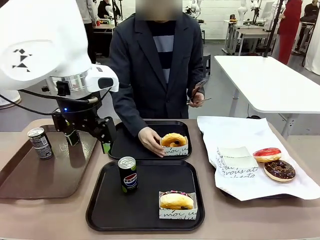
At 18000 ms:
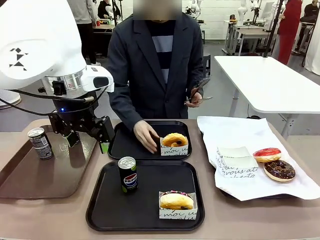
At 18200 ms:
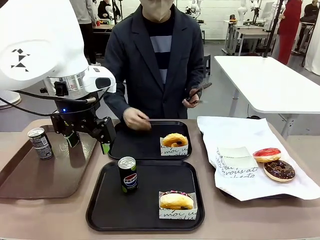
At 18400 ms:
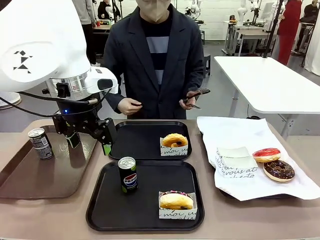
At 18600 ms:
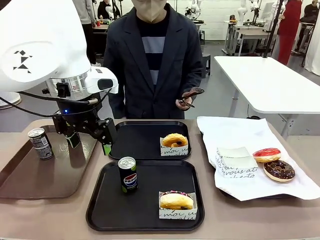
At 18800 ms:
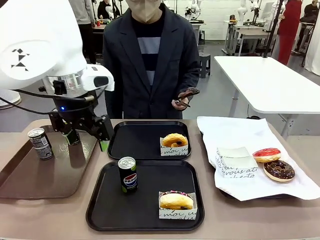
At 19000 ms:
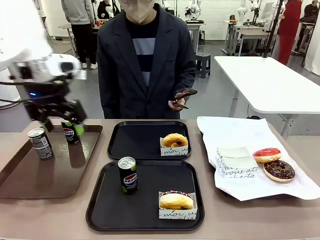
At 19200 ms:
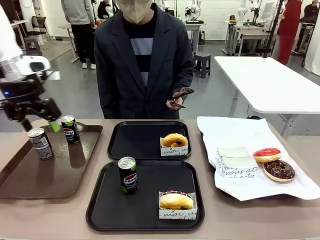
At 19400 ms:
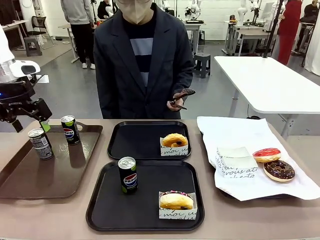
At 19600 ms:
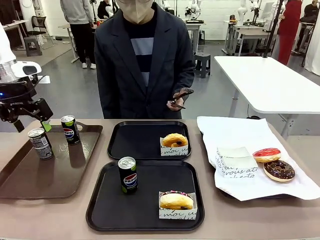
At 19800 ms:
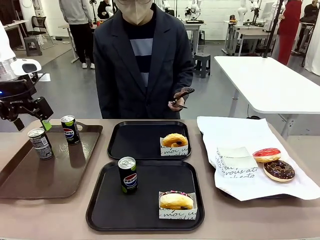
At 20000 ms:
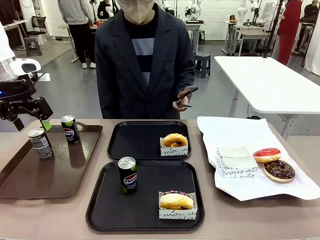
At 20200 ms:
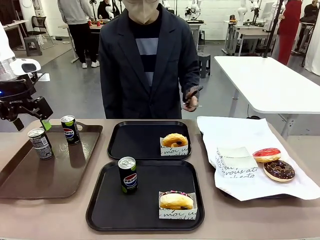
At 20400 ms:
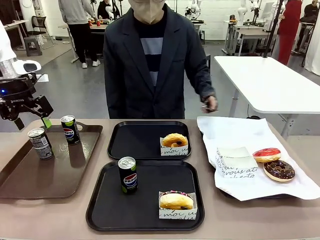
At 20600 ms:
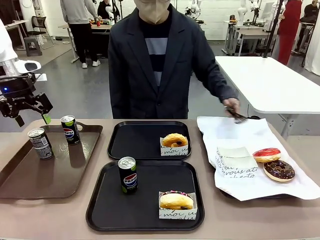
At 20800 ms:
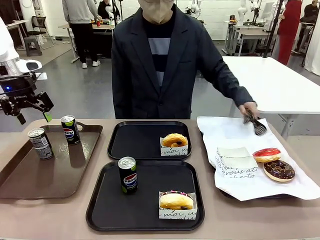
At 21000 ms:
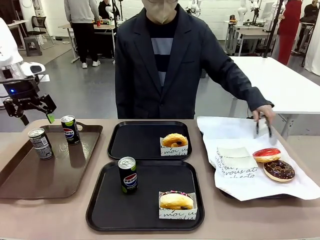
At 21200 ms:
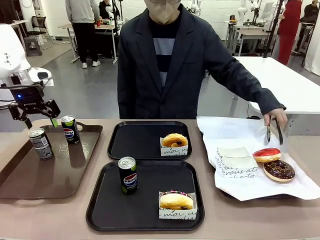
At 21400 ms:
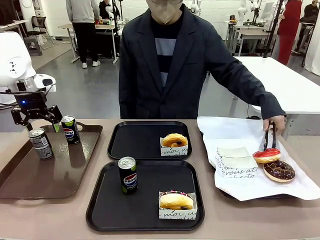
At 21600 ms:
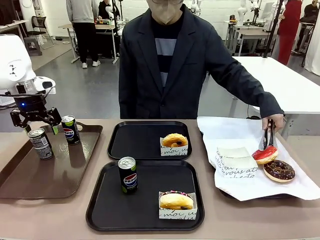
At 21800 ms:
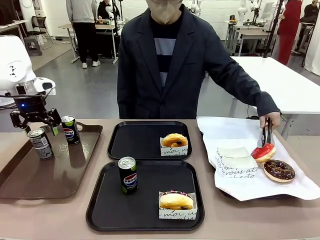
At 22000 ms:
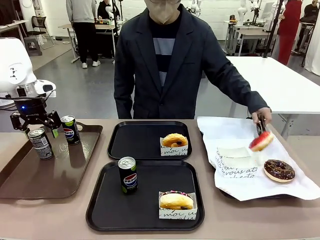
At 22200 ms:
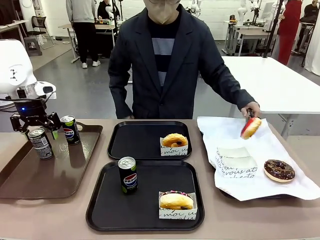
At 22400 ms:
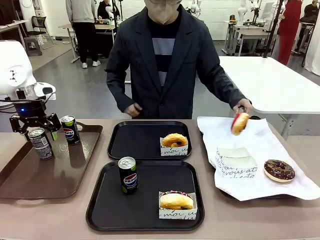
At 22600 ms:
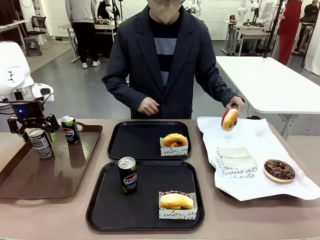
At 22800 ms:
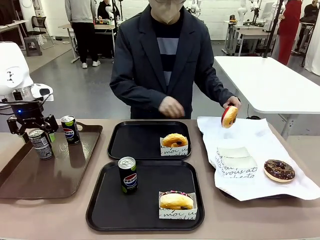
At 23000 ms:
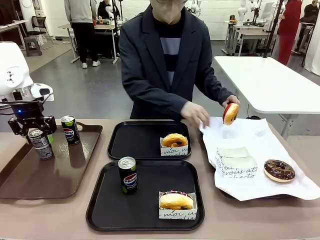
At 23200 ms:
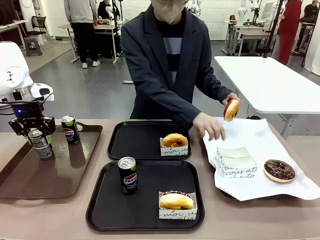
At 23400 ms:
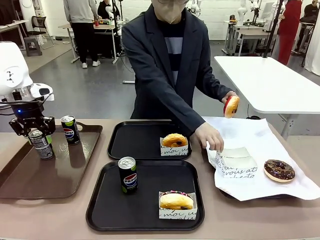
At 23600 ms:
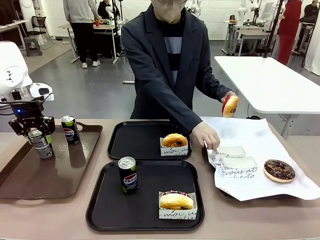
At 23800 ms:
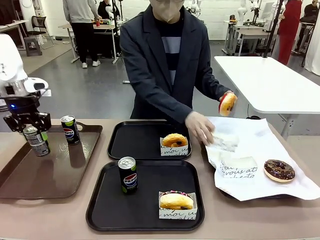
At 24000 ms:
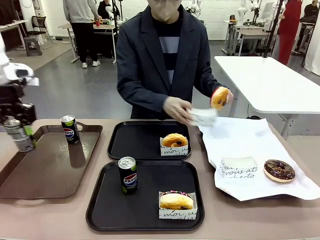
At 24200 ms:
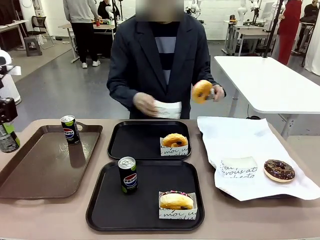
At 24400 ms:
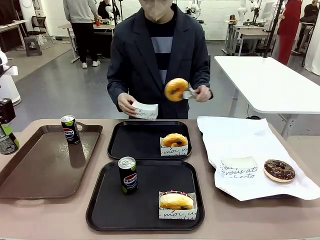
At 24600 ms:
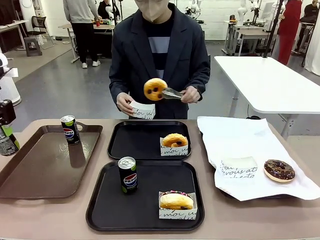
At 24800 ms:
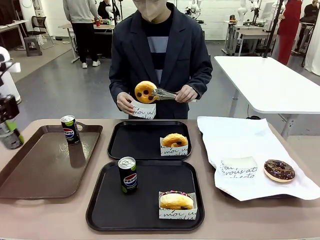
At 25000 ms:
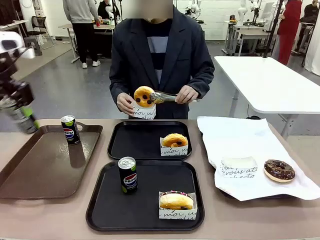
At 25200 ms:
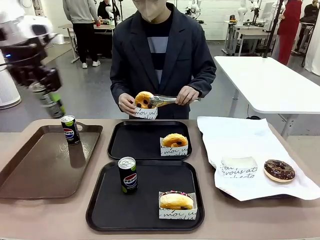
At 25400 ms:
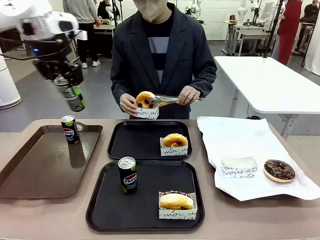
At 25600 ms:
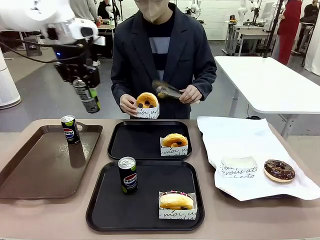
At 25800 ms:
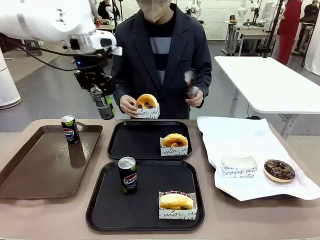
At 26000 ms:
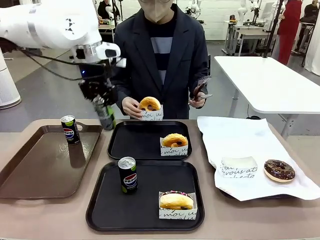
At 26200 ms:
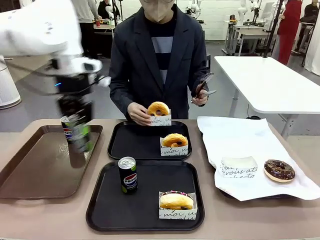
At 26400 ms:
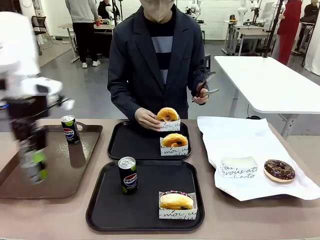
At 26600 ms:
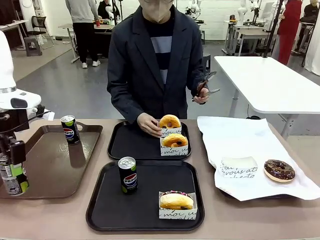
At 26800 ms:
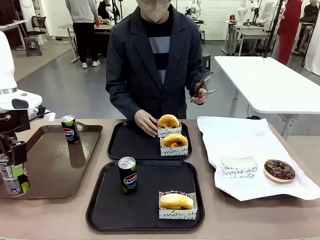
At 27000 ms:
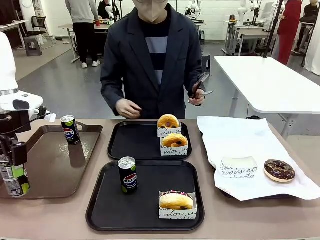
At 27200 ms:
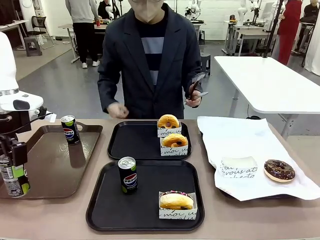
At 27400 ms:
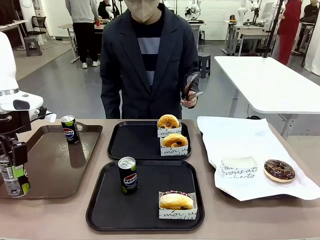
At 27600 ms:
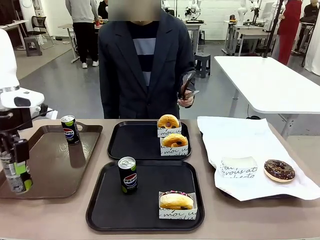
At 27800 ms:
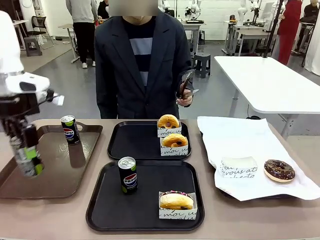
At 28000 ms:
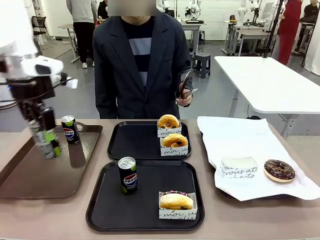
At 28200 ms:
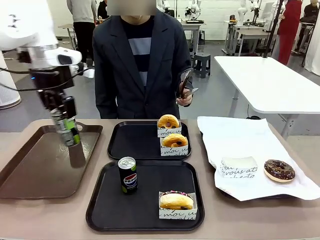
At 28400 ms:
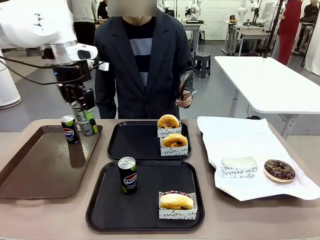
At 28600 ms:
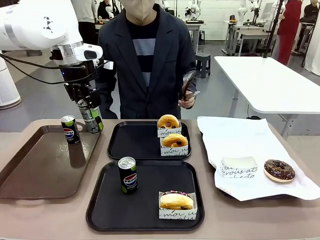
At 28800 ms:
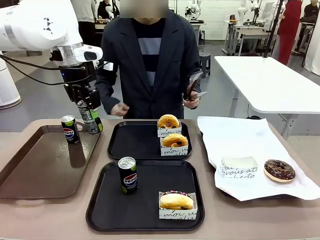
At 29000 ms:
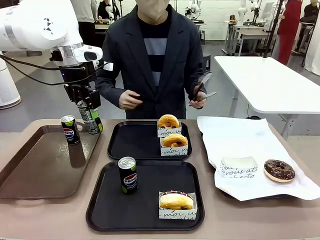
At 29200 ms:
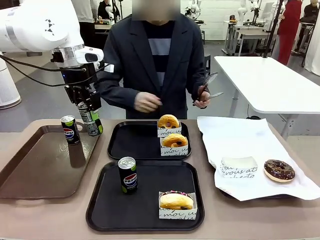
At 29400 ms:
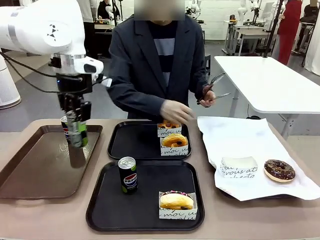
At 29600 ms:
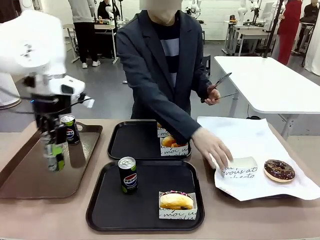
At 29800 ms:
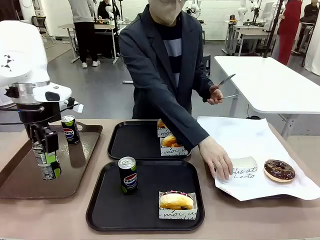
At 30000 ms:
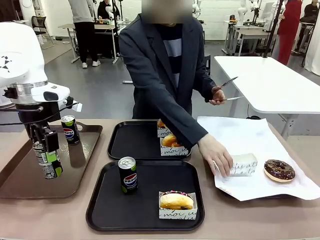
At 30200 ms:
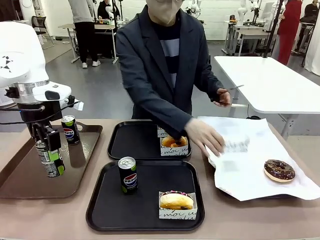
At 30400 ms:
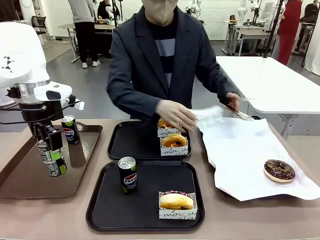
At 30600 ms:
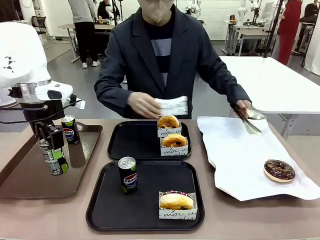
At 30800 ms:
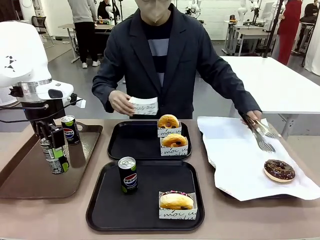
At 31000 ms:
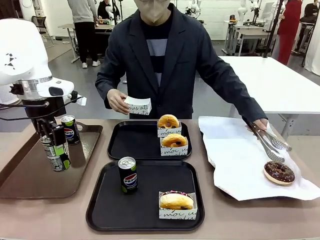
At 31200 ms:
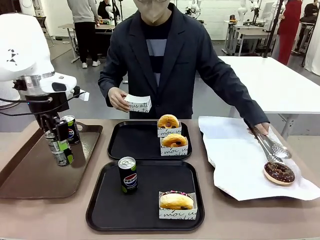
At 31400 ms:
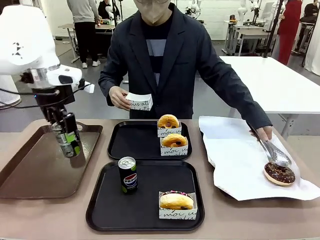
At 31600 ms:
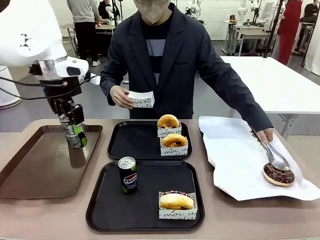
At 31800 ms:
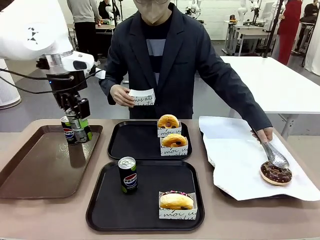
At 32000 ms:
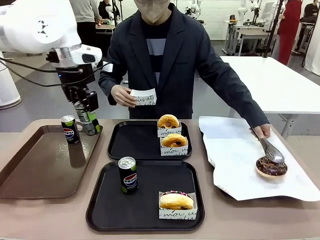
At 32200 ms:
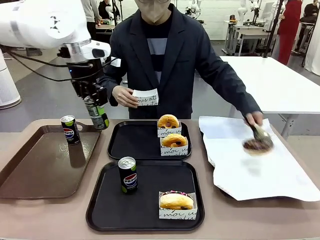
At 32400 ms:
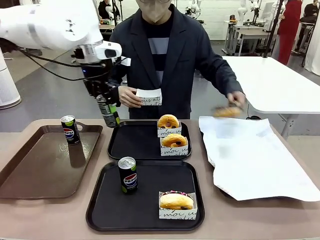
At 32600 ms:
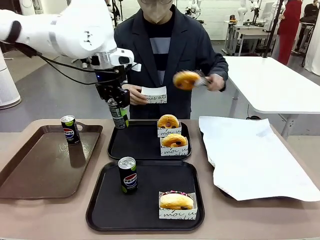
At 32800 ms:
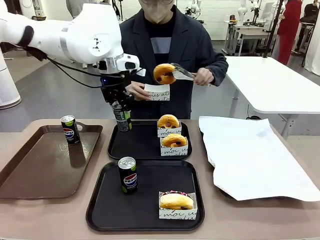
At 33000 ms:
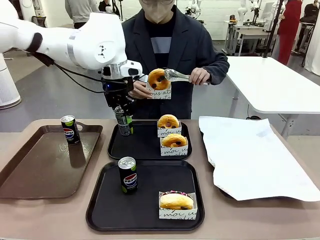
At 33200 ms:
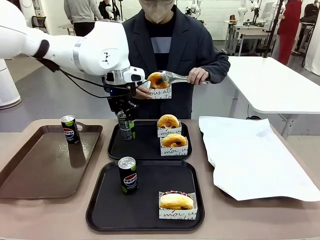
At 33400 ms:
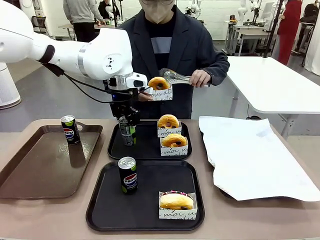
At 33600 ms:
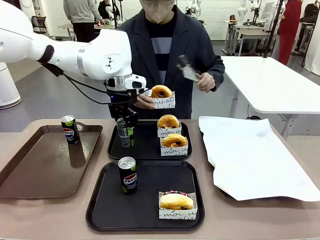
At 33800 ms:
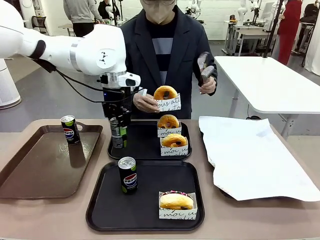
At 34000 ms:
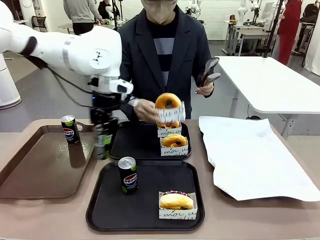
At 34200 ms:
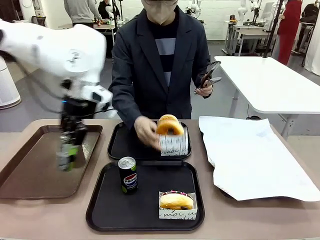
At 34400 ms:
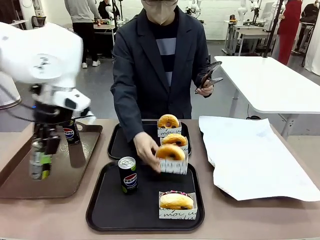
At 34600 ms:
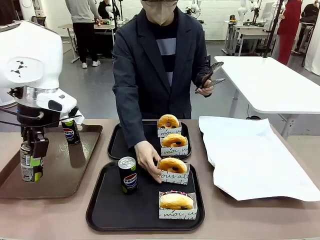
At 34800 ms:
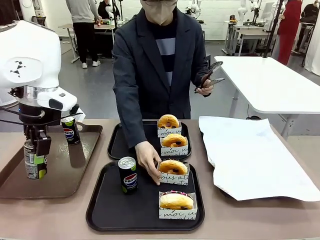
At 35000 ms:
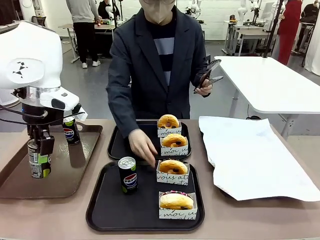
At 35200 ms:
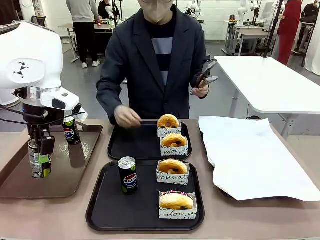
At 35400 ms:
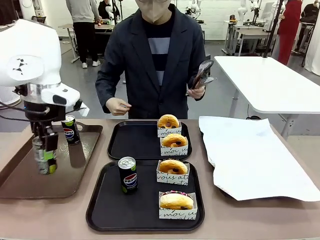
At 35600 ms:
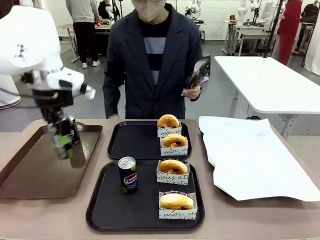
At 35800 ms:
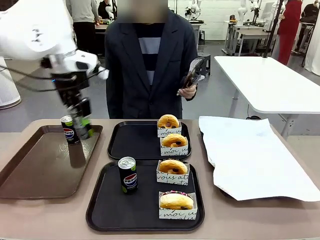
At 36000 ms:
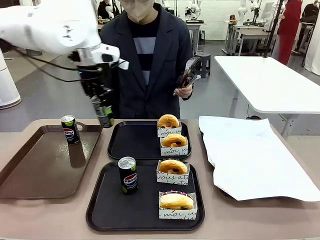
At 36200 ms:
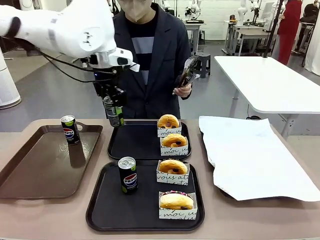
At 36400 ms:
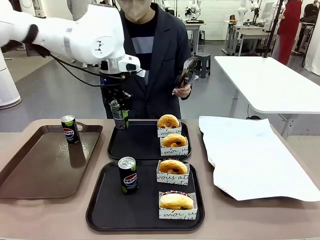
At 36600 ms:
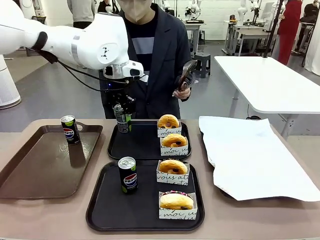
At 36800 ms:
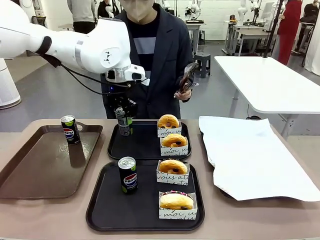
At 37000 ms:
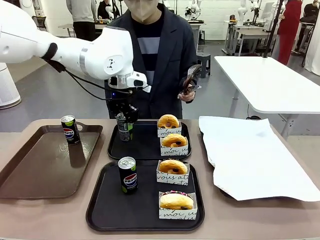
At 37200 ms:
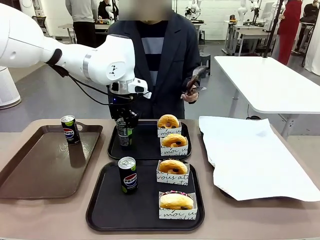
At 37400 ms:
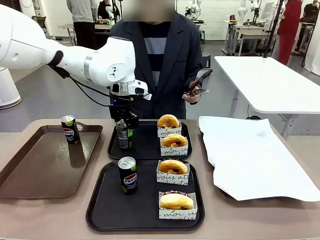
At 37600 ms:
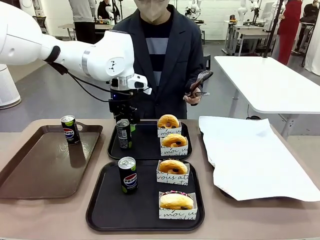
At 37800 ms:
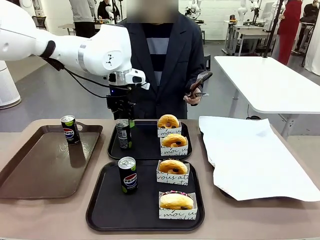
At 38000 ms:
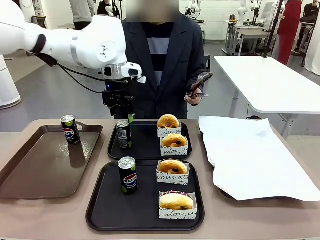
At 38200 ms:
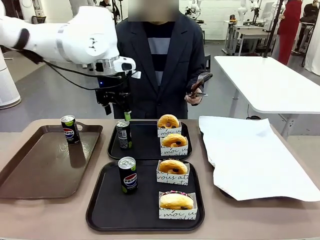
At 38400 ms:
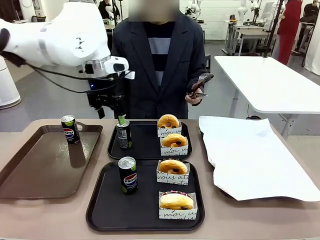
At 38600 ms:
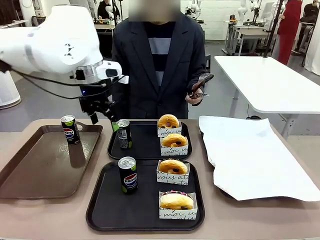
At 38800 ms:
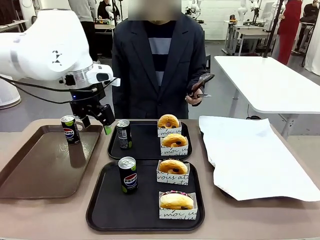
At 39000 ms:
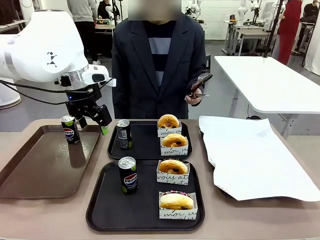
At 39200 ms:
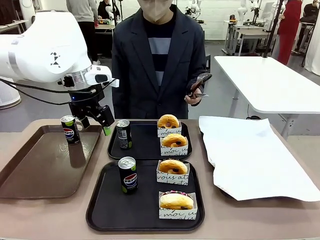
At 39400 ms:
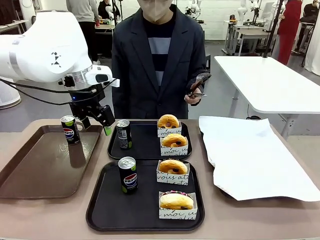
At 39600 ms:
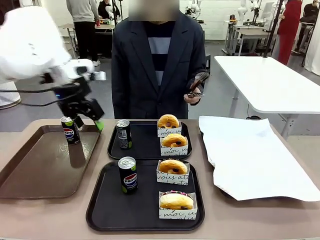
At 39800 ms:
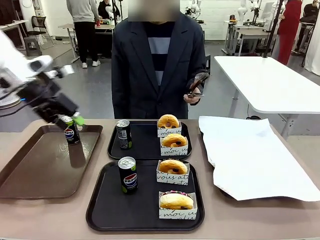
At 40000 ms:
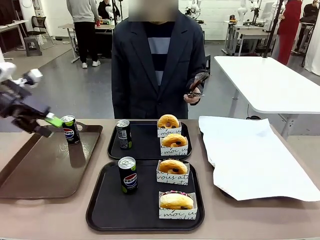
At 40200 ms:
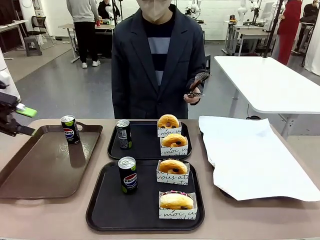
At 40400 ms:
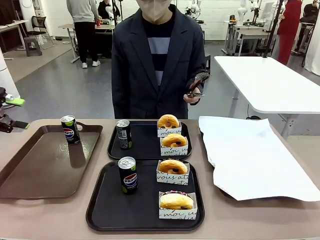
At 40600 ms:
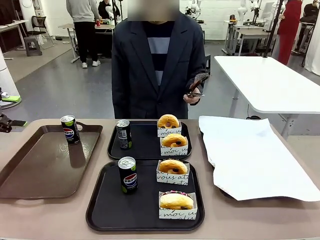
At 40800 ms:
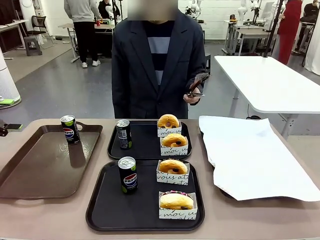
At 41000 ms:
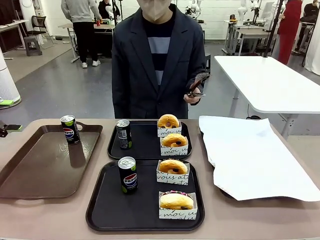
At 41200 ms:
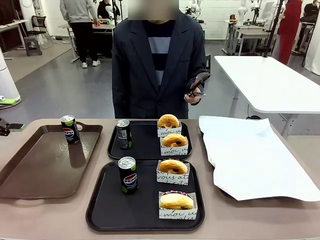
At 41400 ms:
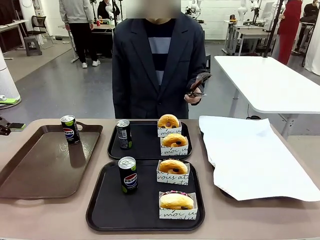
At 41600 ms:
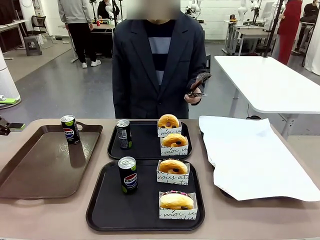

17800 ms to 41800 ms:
Task: Set up donuts and drinks on trays.
Robot: Pick up one Pepsi coke from the Handle tray and place it on the Flat Tray without a Pepsi coke.
Person: Pick up one donut with tongs, place it in the donut tray, and then place the donut tray on the flat tray.
